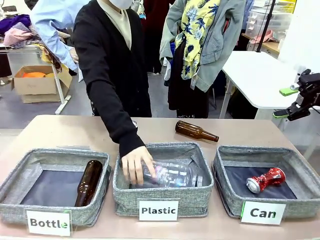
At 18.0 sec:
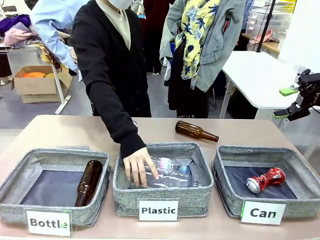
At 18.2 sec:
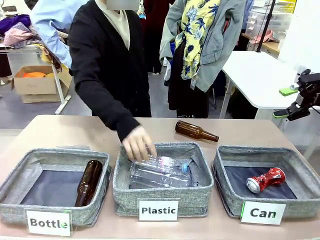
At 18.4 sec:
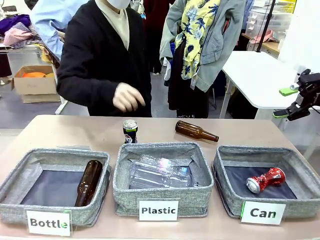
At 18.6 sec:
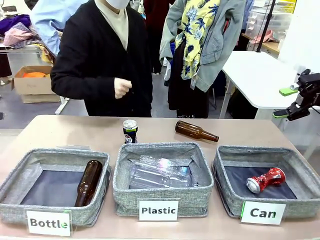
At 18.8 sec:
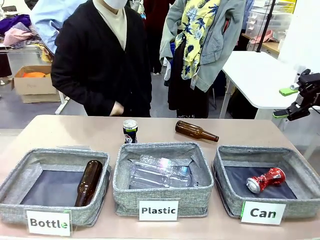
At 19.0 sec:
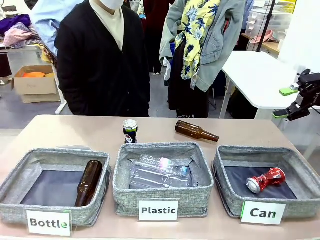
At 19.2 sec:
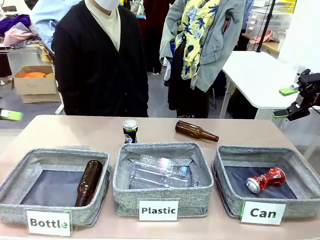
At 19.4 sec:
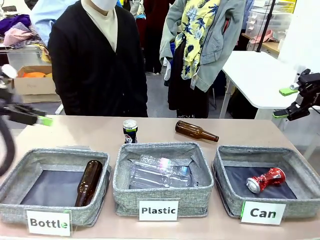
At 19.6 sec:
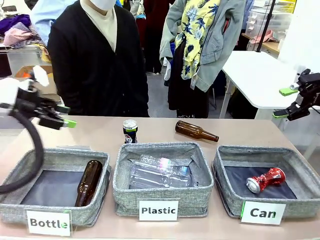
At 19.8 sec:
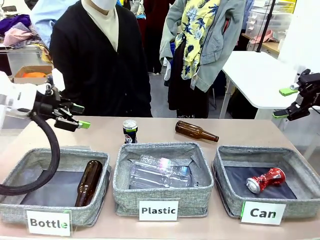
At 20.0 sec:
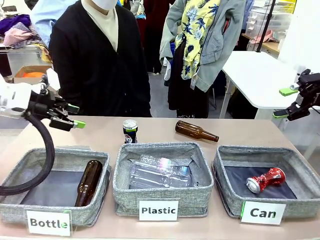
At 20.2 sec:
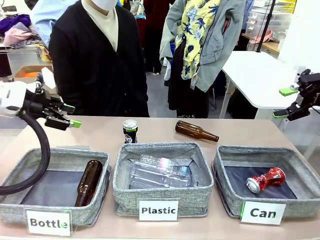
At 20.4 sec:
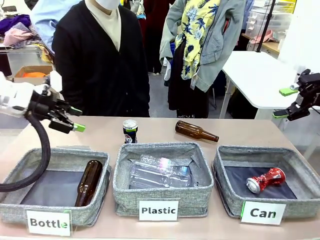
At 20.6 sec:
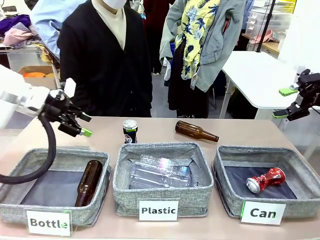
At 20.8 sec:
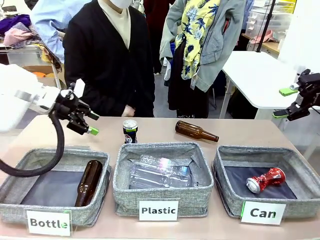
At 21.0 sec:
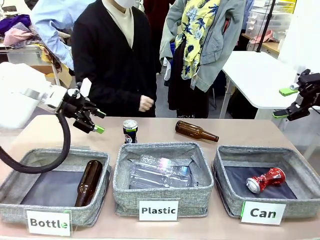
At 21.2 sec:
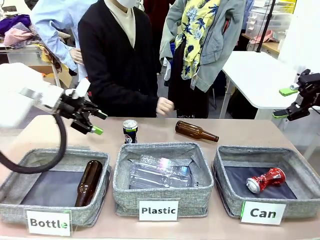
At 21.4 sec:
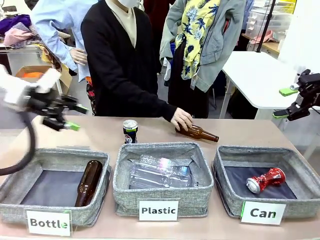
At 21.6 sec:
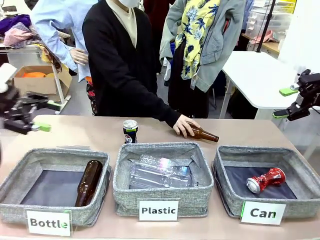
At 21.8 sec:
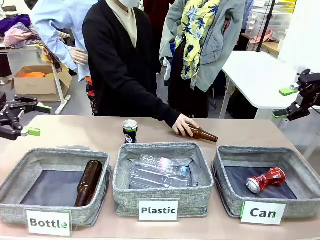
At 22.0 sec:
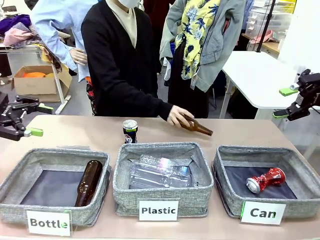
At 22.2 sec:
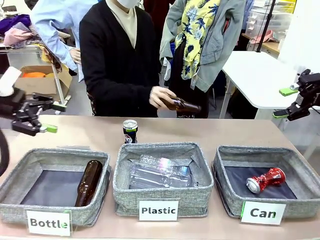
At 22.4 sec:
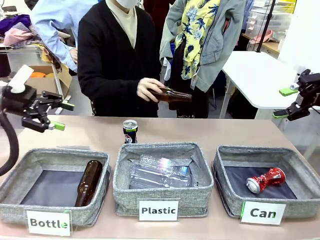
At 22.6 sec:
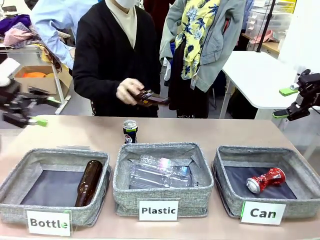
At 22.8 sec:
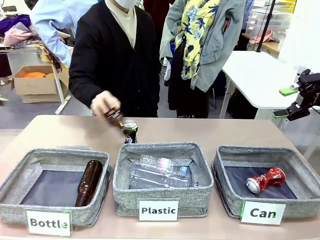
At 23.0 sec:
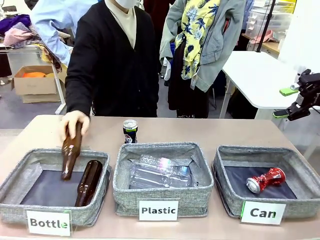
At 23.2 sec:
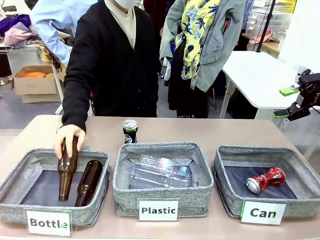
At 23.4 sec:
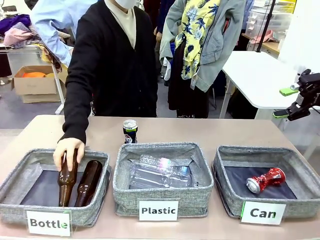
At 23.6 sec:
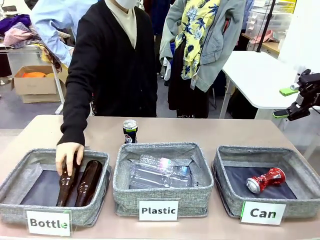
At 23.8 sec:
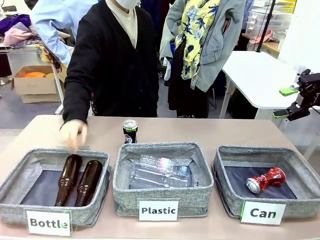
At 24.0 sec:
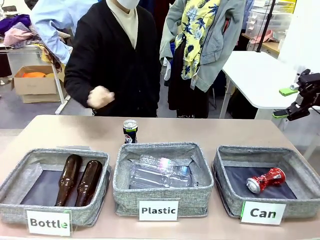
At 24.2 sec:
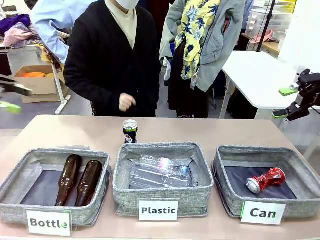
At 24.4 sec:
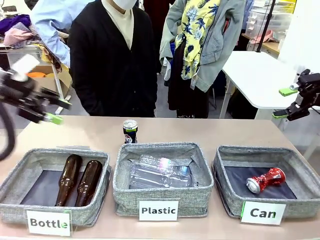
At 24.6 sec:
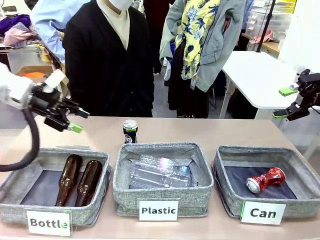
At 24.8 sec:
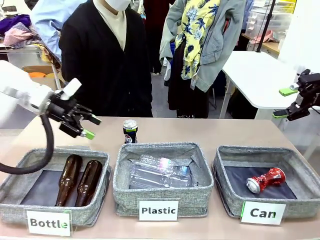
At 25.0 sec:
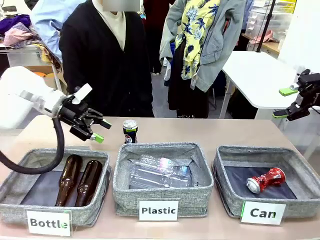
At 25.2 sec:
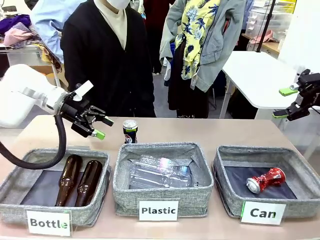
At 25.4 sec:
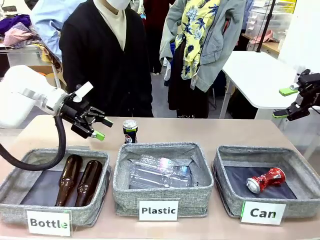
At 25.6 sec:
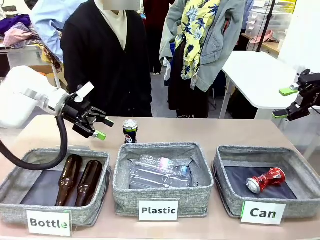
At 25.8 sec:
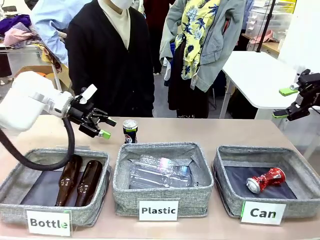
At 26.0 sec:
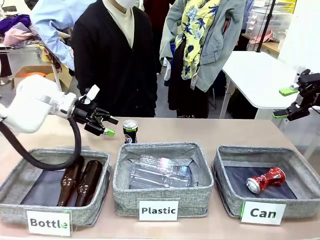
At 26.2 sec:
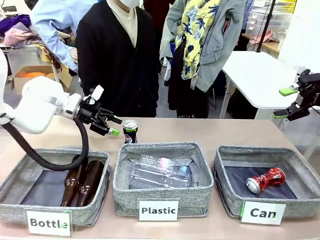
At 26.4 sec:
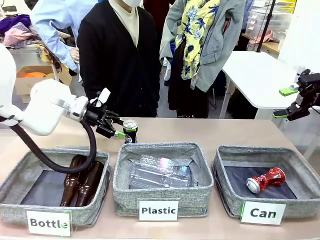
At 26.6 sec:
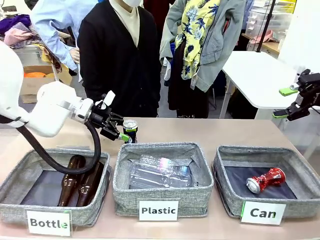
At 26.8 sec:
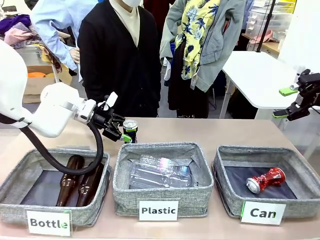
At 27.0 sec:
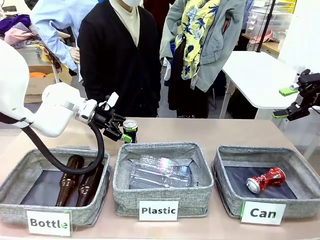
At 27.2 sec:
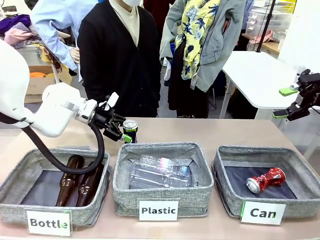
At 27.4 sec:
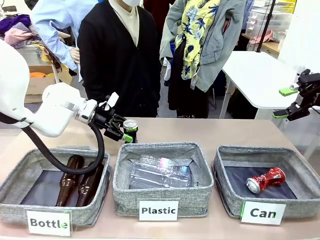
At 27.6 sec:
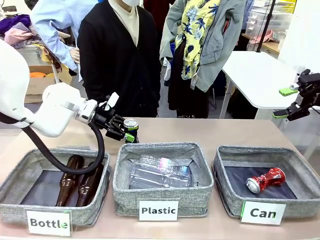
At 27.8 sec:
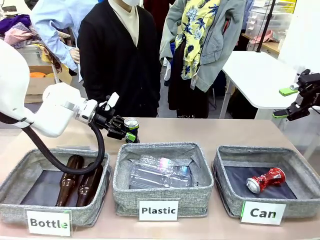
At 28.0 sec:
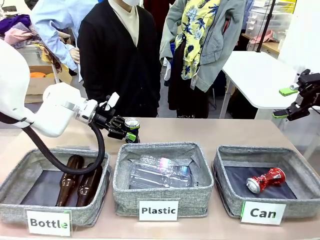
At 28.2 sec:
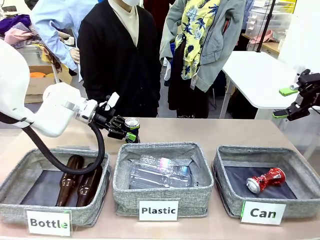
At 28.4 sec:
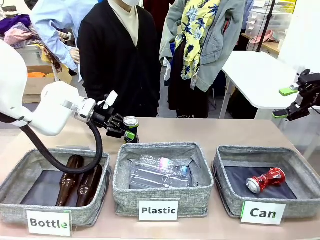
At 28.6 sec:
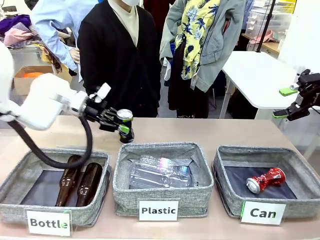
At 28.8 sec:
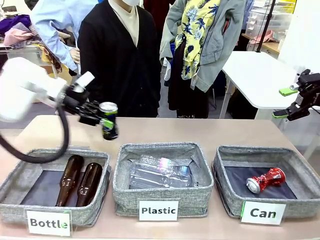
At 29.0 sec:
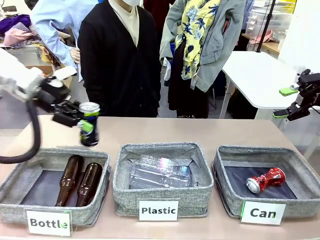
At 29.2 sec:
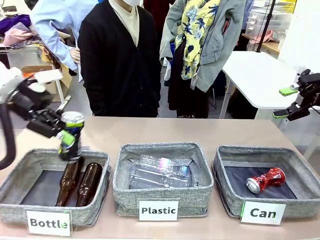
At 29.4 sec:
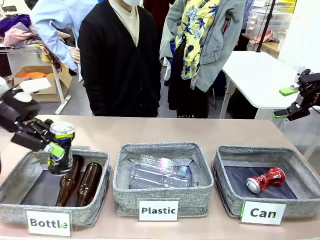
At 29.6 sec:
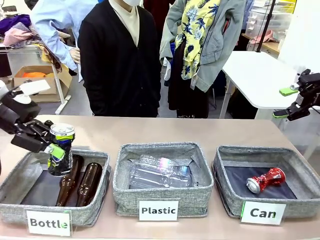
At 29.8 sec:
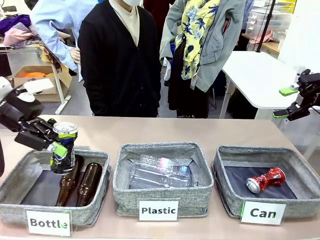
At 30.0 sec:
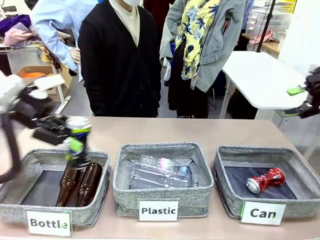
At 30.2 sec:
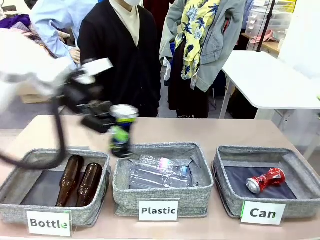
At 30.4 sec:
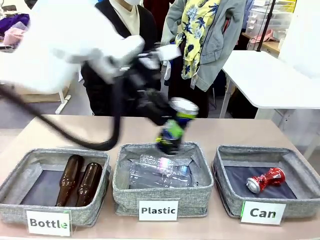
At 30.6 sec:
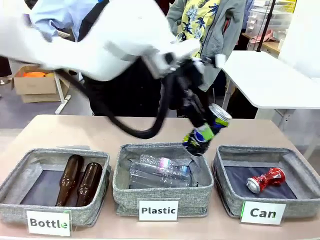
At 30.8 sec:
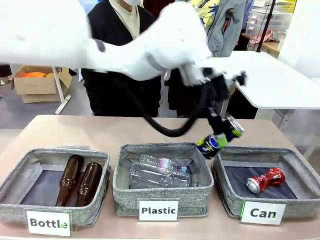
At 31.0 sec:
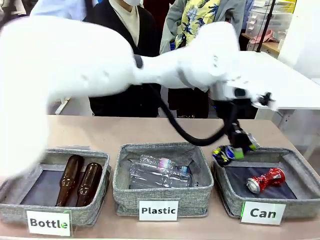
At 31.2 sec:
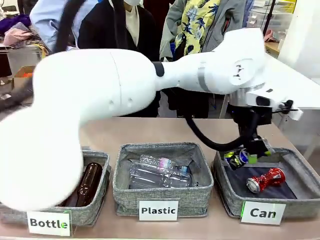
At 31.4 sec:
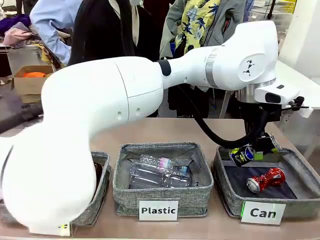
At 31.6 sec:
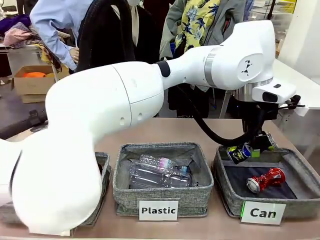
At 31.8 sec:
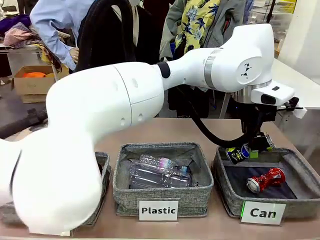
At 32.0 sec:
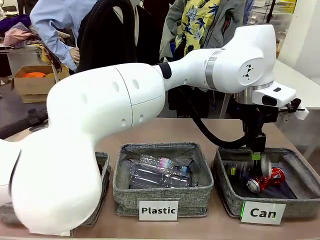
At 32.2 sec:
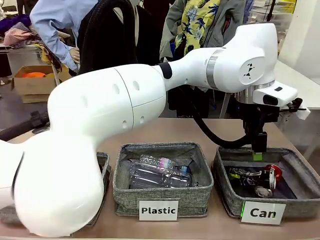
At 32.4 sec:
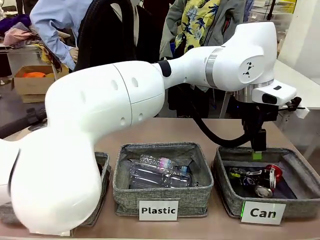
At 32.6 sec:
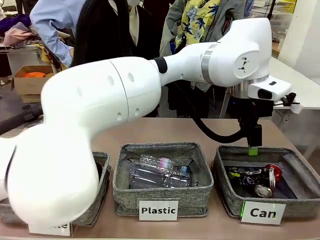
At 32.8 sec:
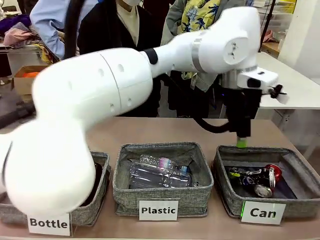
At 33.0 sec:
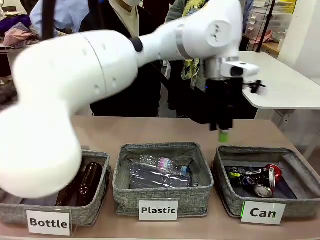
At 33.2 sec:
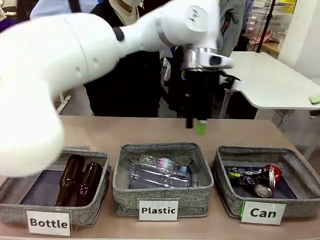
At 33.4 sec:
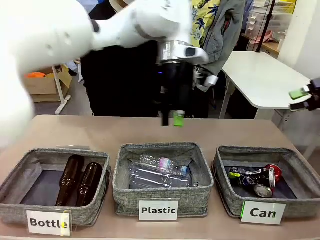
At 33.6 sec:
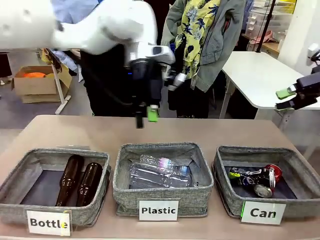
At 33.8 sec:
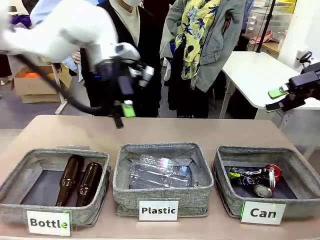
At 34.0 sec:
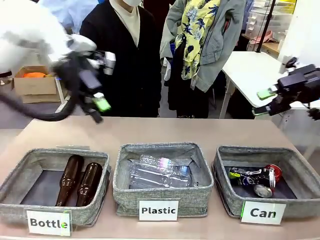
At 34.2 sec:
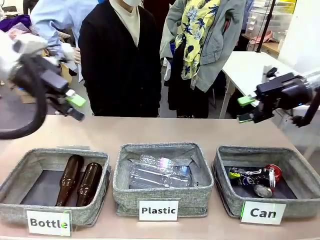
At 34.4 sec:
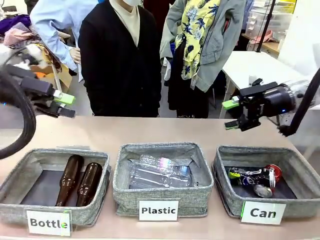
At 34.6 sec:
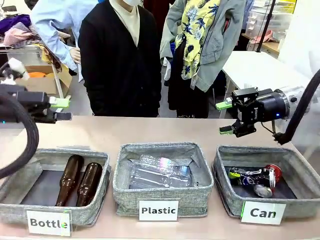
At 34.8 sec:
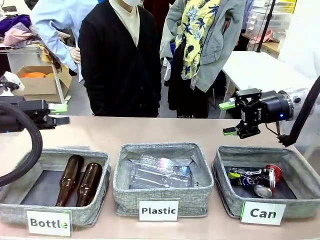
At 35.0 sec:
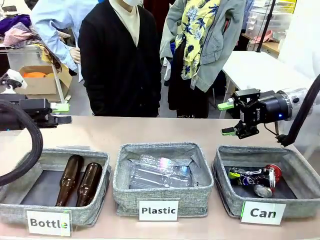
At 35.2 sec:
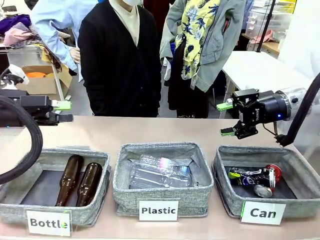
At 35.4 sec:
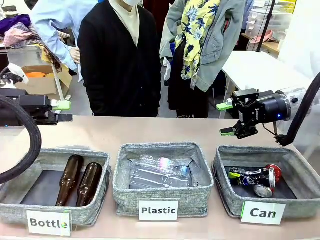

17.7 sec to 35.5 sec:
Task: Sort the can waste into the basket.
Robot: Pick up the can waste from the table and place it in the right Fabric basket.
Person: The human picks up one piece of trash that is not a can and places the trash into the appropriate organizing basket.
